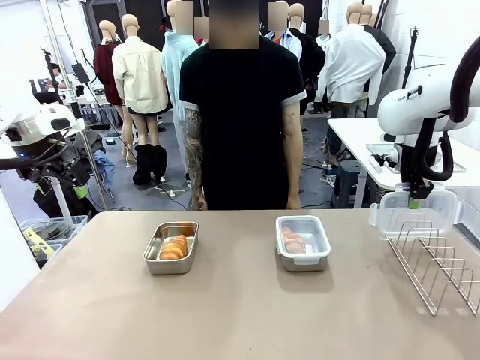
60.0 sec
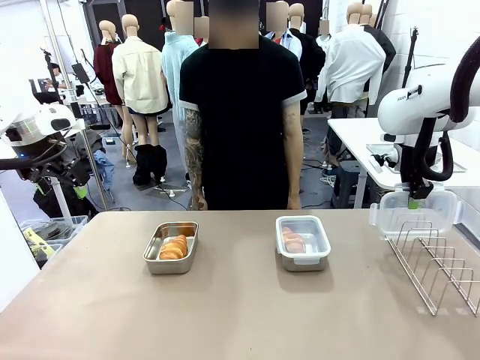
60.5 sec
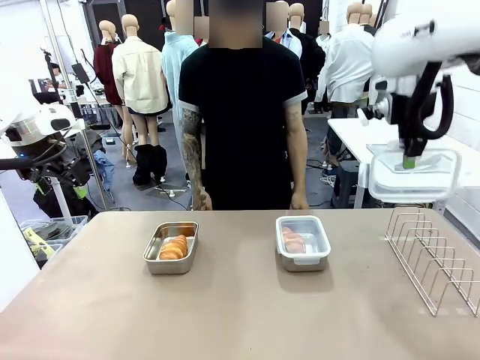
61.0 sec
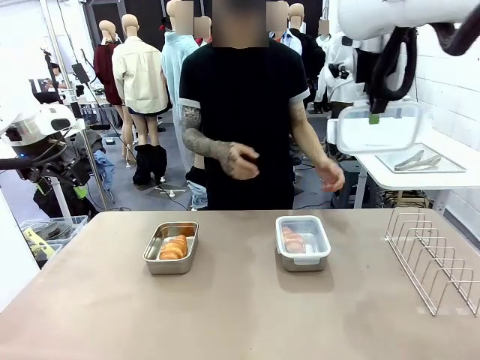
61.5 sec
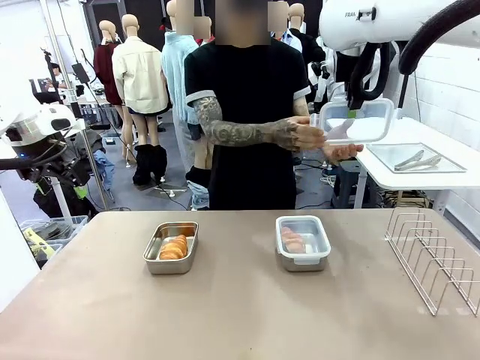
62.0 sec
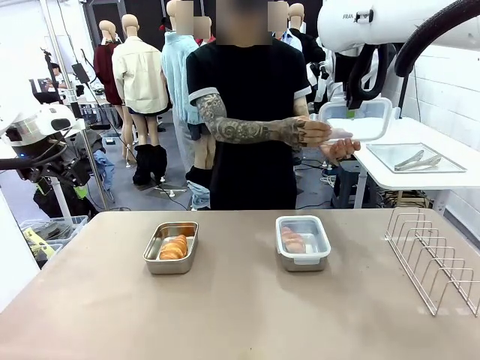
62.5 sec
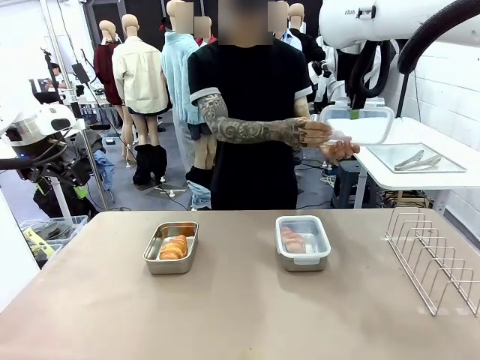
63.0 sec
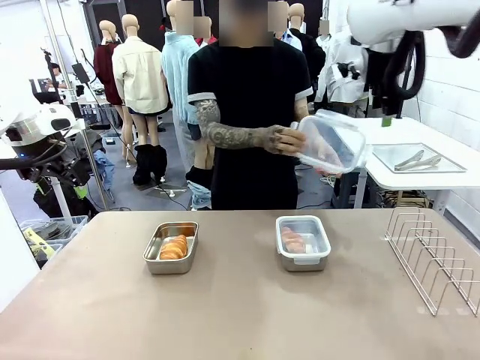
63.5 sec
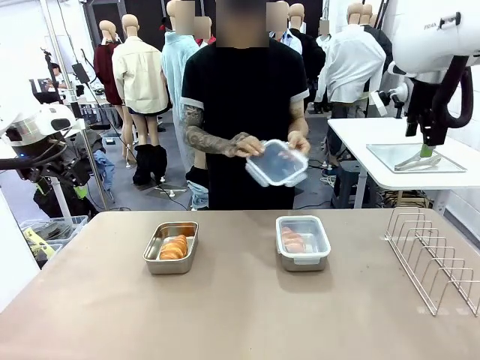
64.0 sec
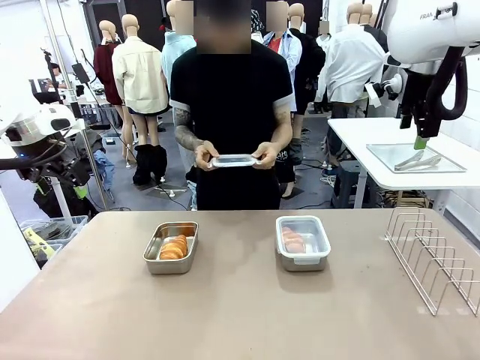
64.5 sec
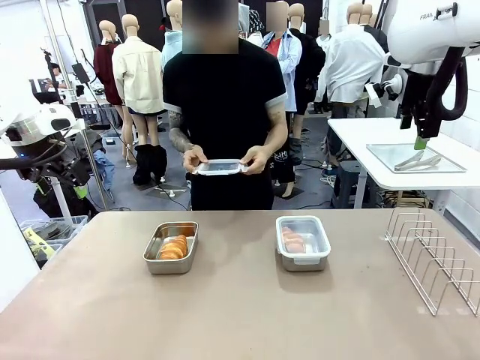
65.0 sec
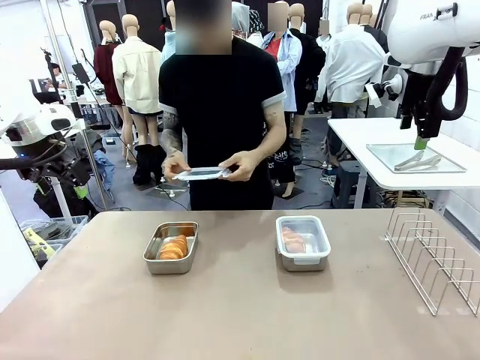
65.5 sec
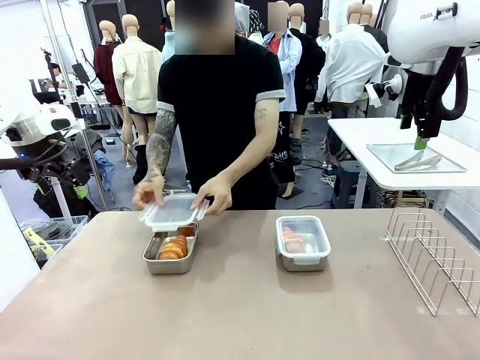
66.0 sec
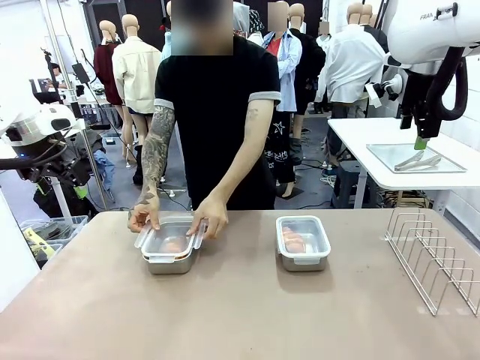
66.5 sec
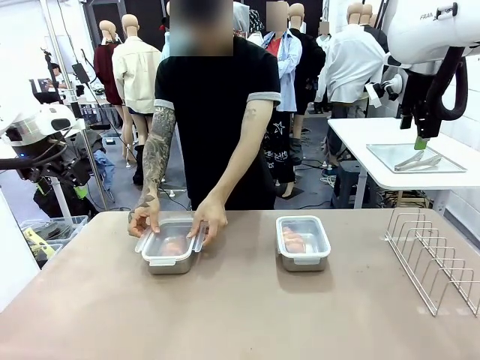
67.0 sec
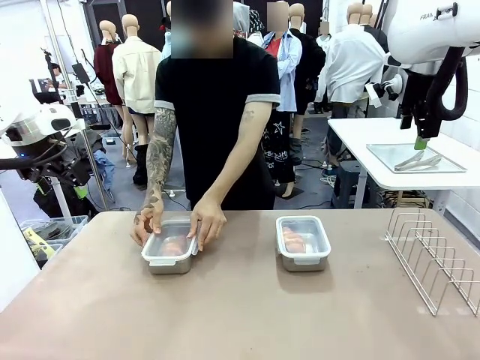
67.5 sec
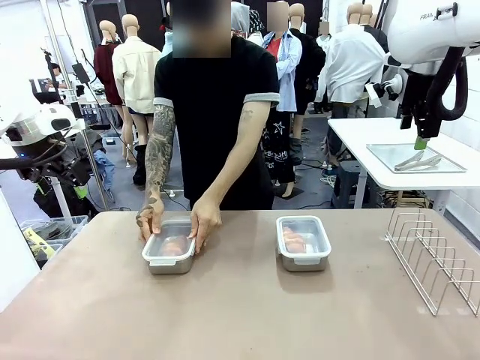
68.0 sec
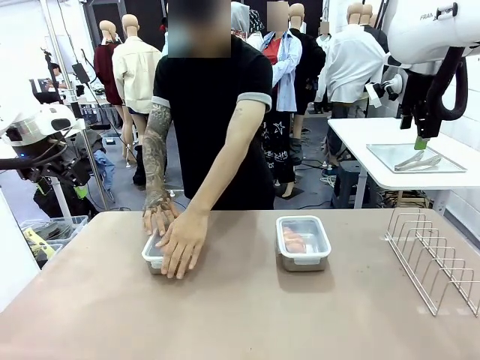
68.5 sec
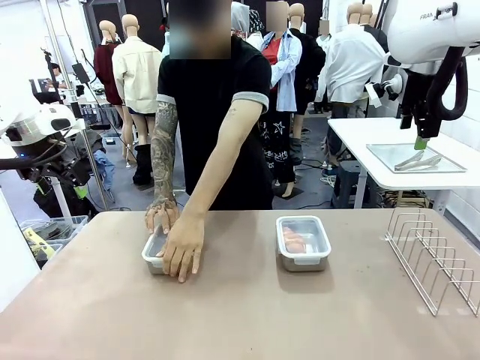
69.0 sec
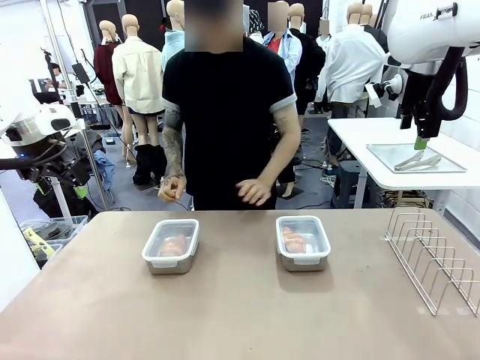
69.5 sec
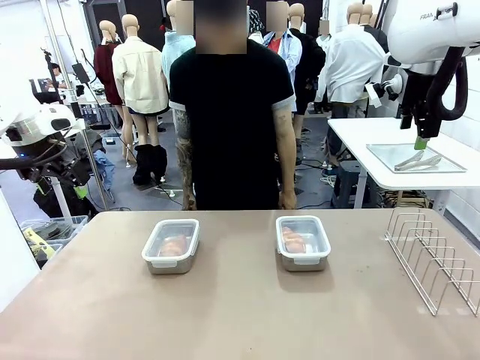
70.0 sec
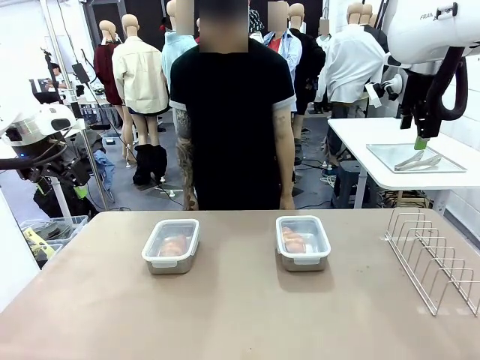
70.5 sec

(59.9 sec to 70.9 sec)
Task: Place the bread in airtight containers.
Robot: Release when the human grabs the Airtight Container lid.
Person: Grip Airtight Container lid that robot is handing. Close Airtight Container with a handed Airtight Container lid.

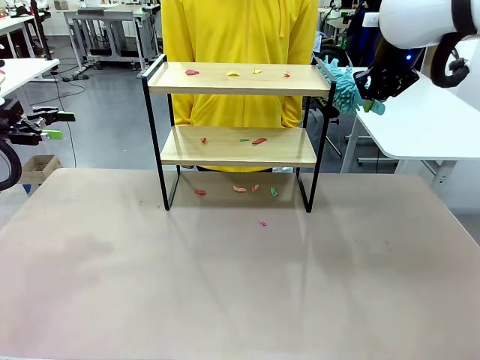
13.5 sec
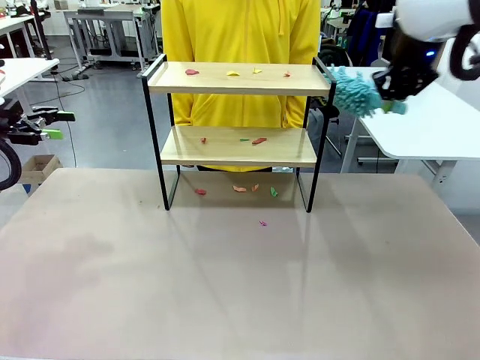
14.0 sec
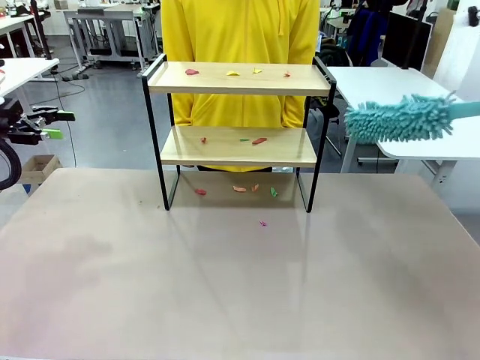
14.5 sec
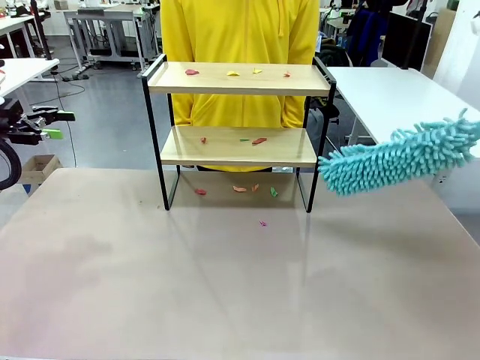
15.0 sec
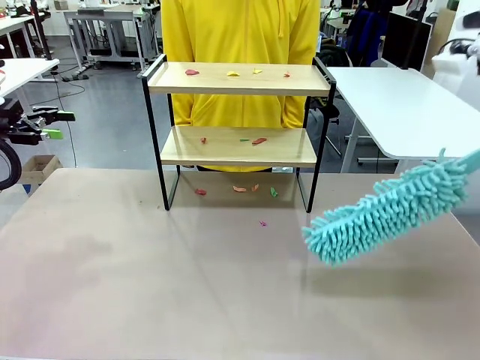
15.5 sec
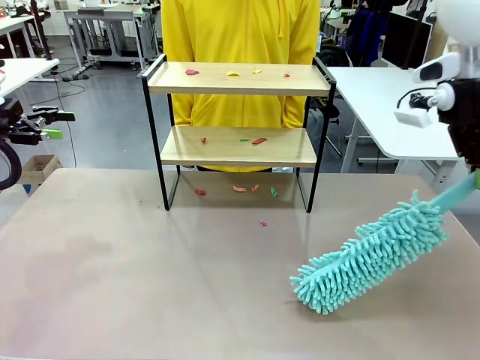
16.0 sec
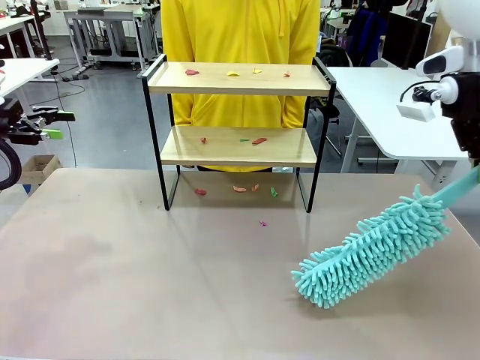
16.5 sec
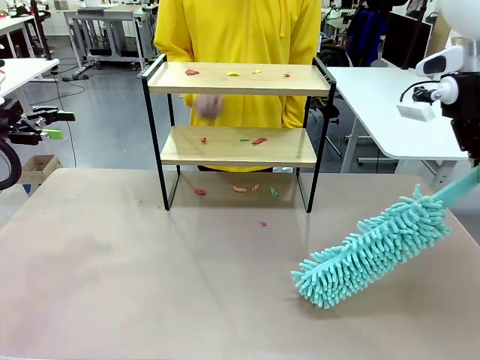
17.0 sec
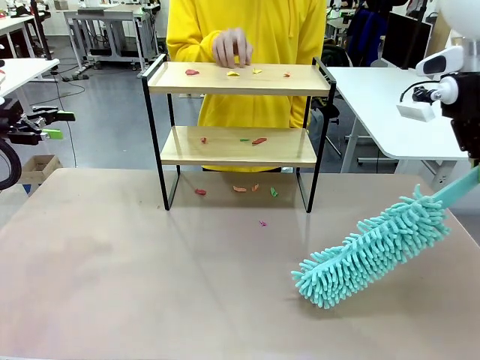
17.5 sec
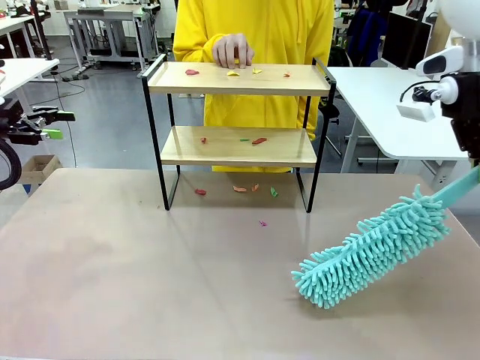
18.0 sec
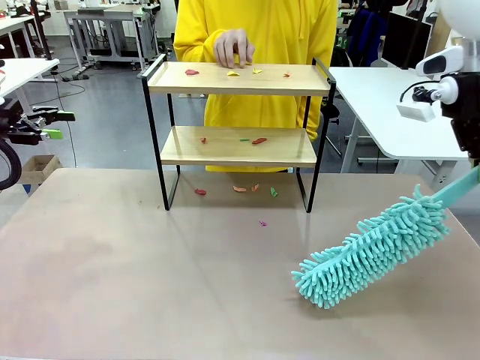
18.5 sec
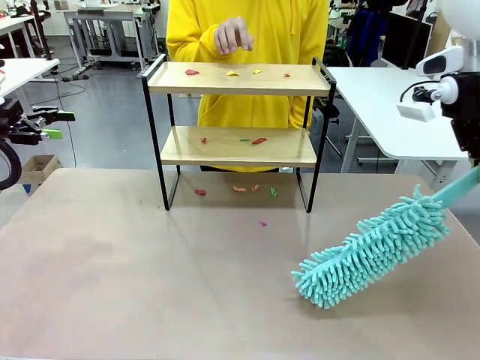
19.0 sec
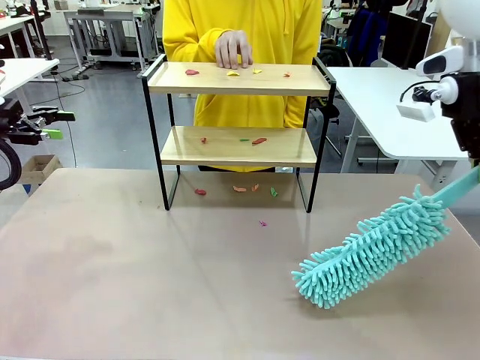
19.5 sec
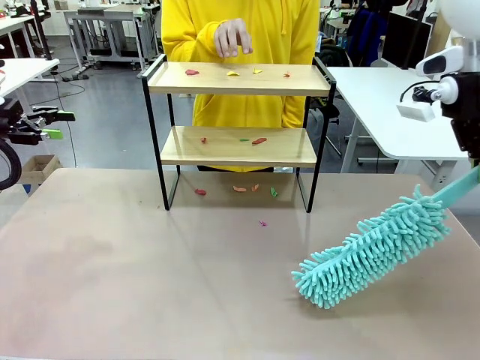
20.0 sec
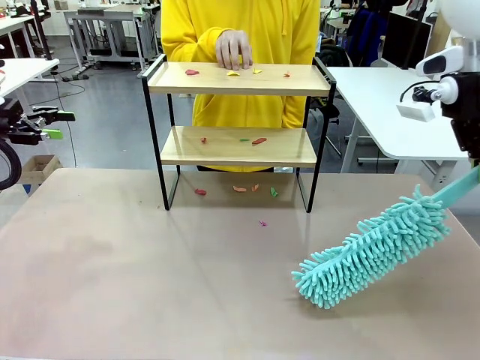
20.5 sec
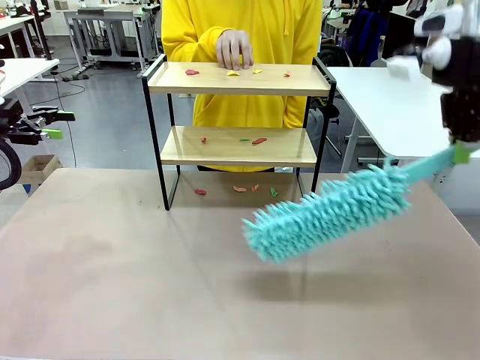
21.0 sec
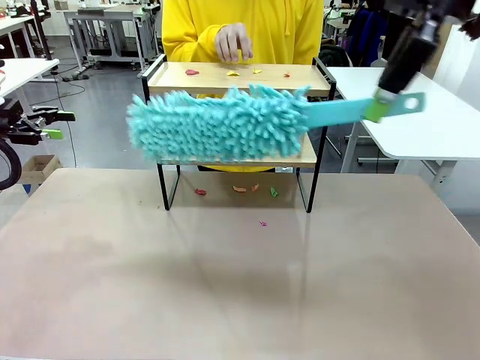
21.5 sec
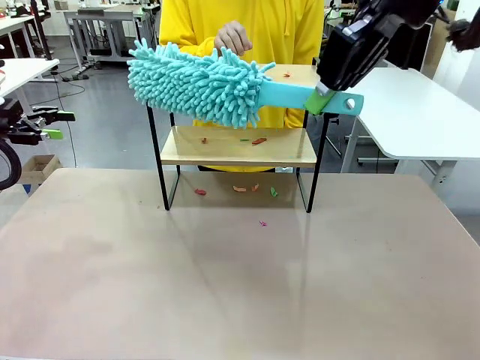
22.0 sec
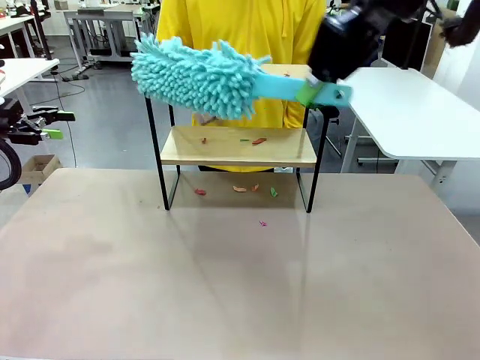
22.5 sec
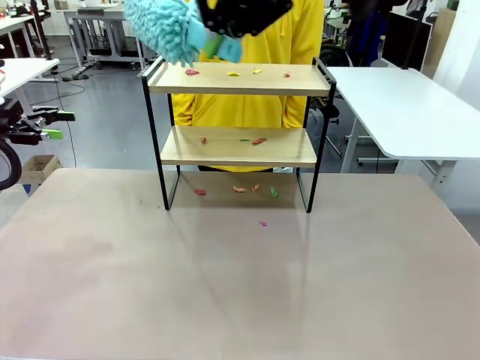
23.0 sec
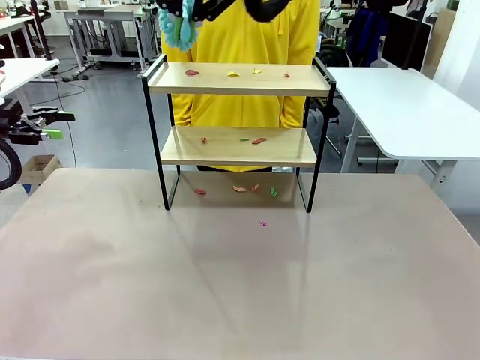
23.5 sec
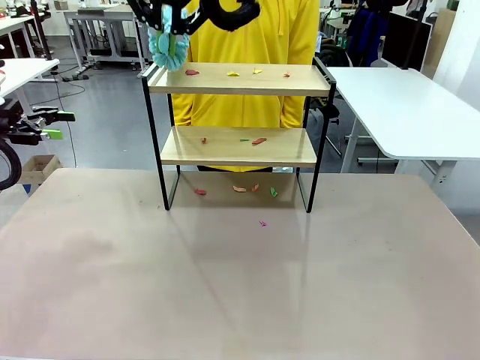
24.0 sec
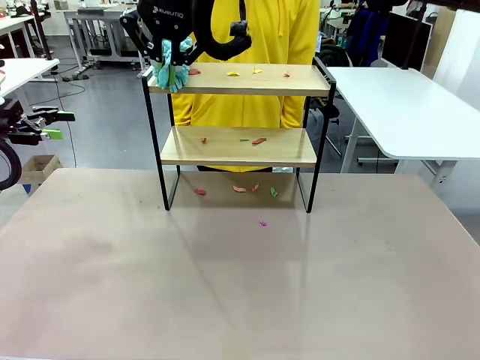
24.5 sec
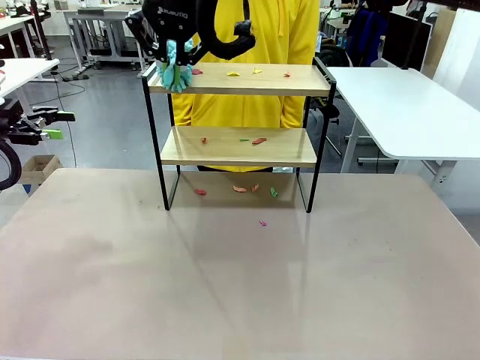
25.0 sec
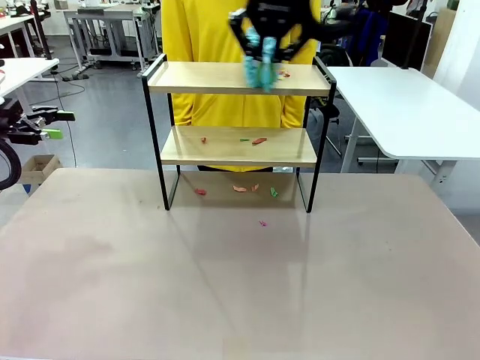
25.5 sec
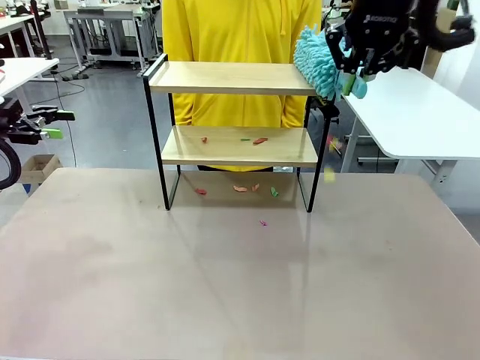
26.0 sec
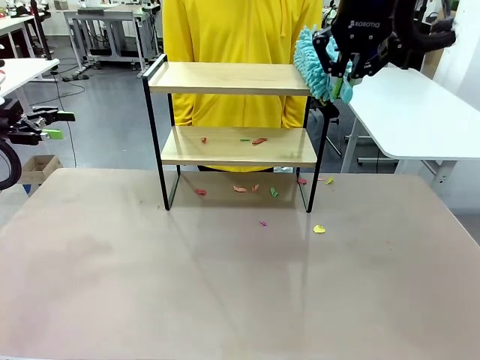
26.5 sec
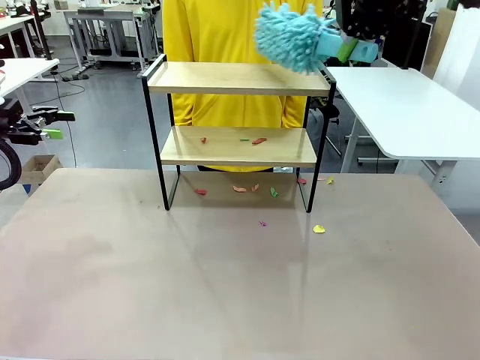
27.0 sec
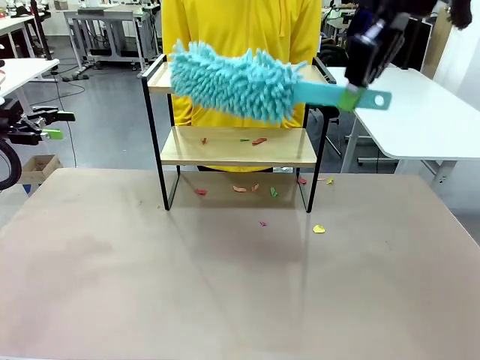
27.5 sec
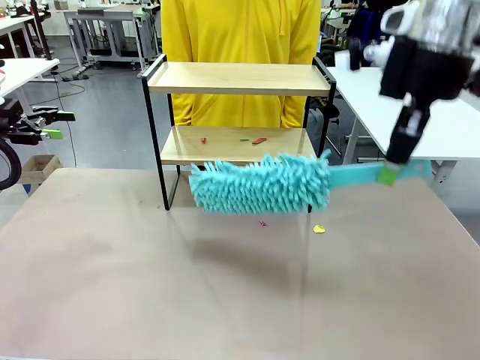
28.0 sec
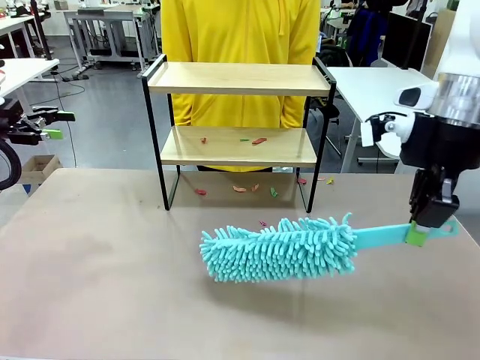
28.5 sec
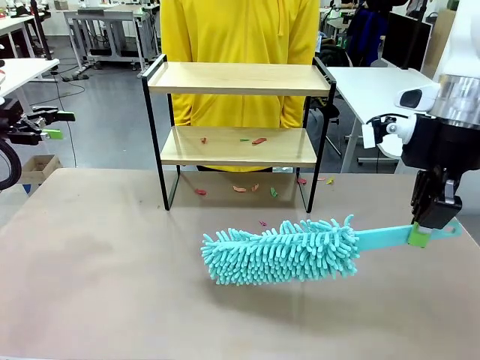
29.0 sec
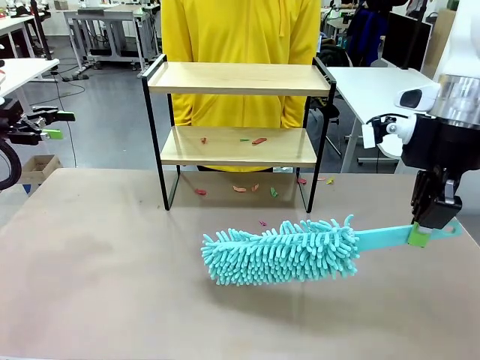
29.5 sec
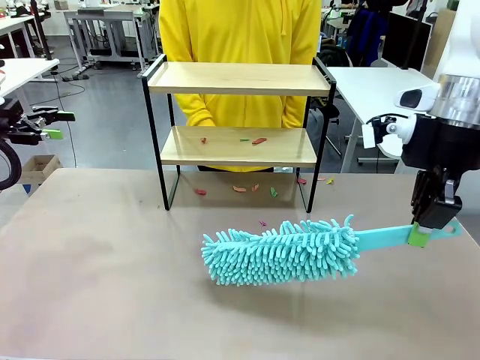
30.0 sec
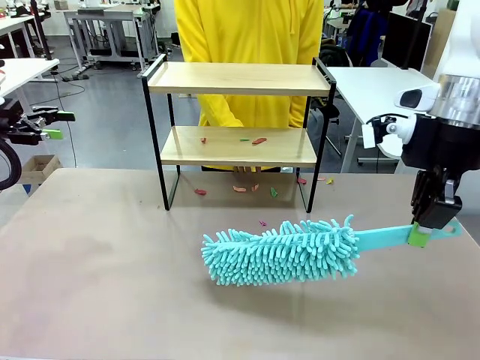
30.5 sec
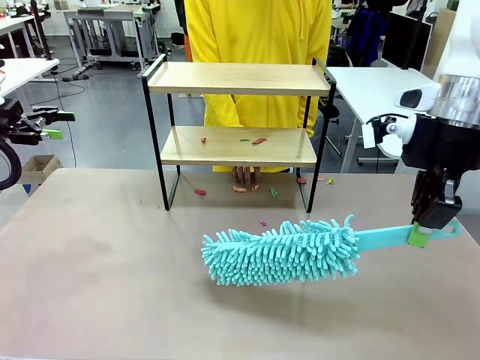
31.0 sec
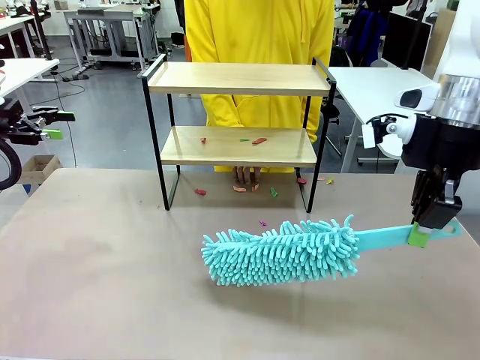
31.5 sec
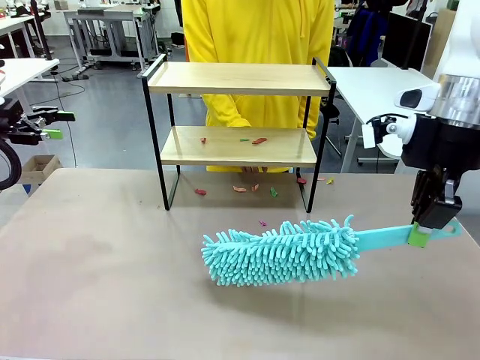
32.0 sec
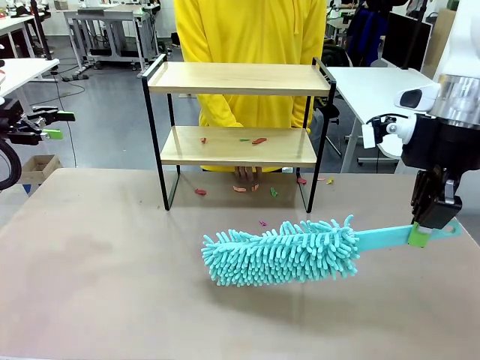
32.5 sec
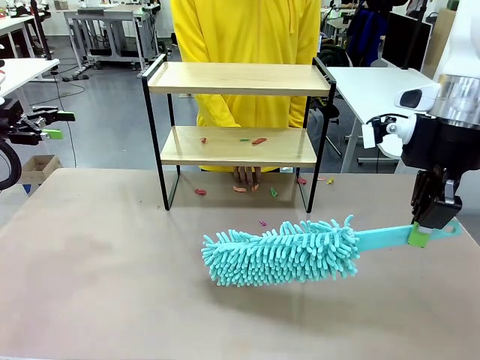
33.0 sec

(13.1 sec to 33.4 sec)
Task: Clean the shelf.
Robot: Clean the specific section of the Shelf indicated by the human with the Duster.
Person: Point a random section of the Shelf.
